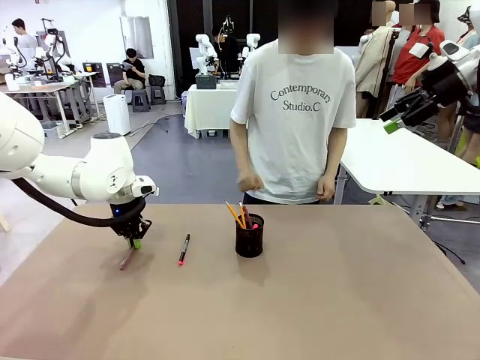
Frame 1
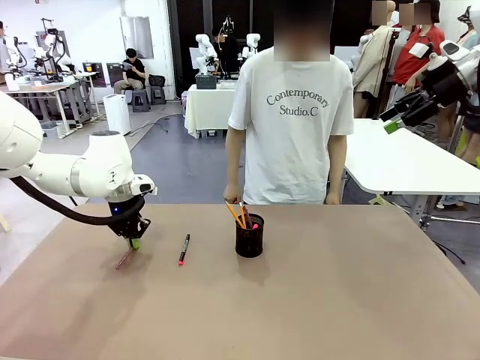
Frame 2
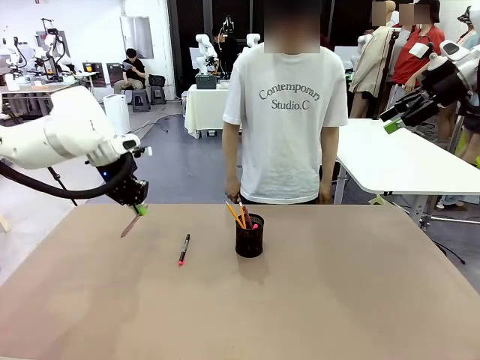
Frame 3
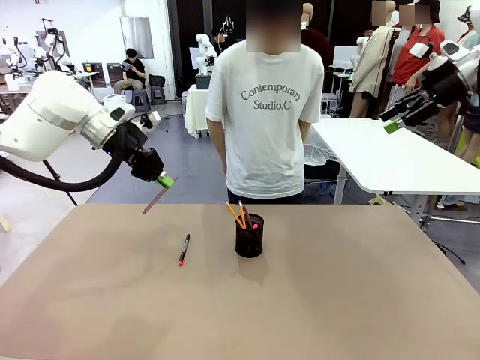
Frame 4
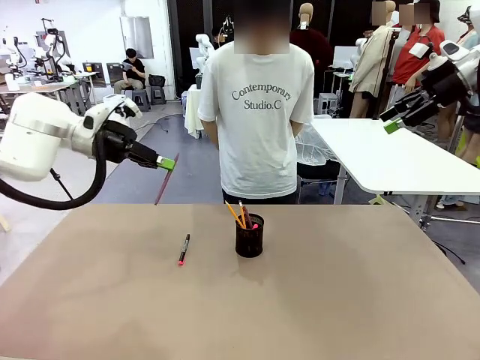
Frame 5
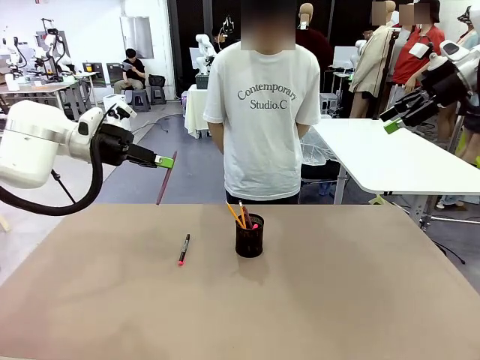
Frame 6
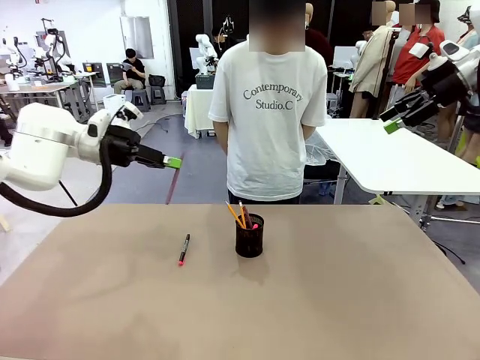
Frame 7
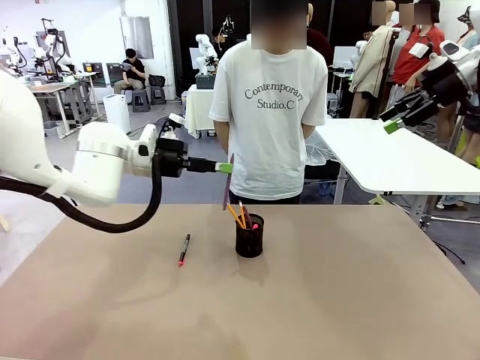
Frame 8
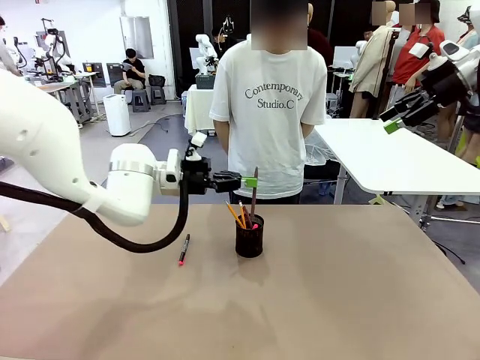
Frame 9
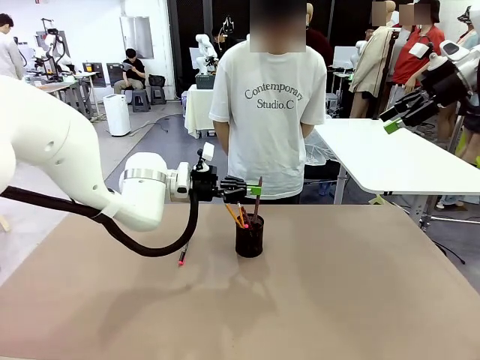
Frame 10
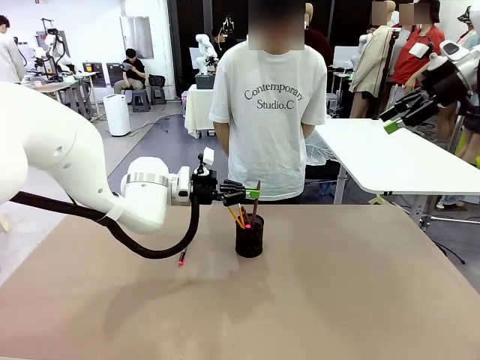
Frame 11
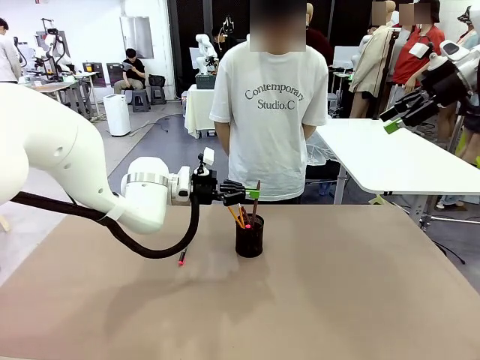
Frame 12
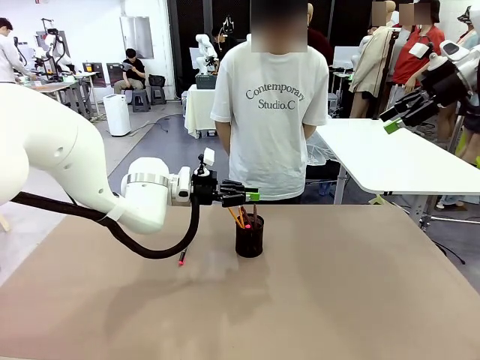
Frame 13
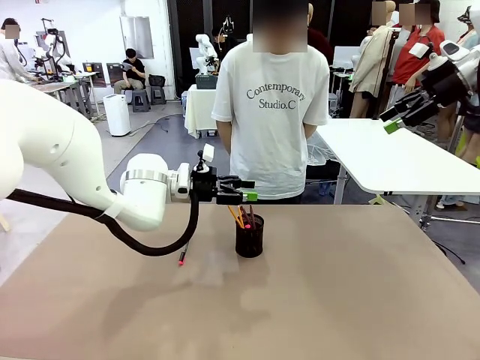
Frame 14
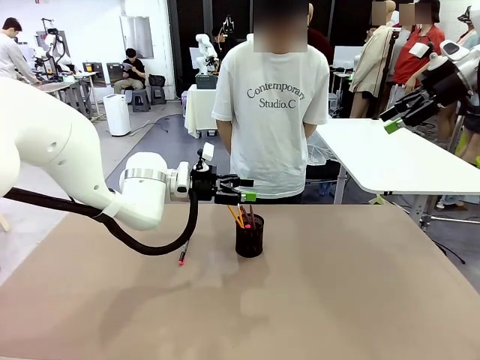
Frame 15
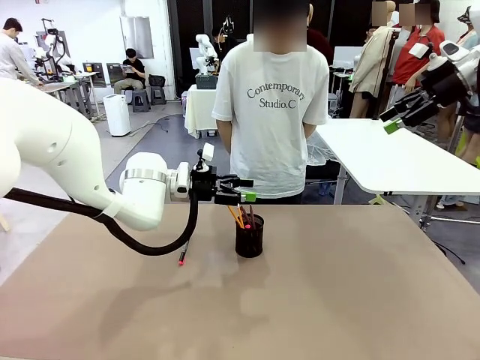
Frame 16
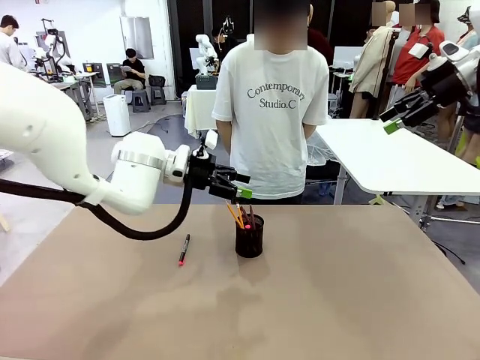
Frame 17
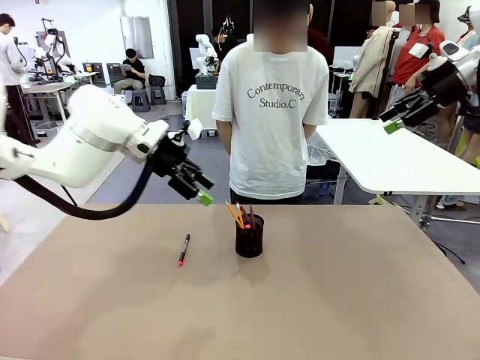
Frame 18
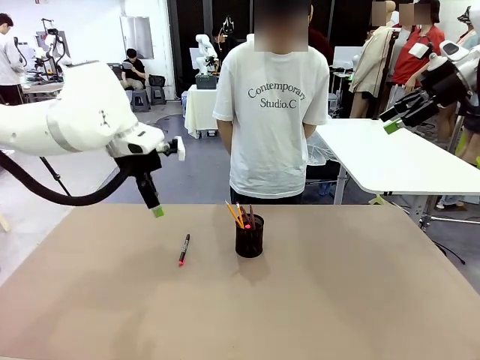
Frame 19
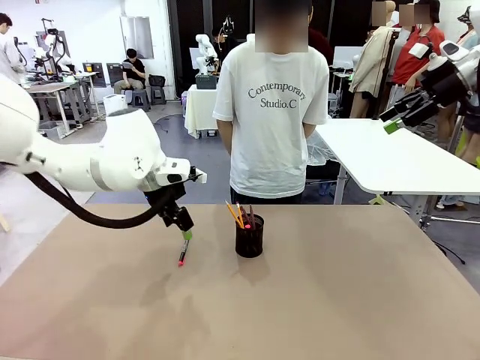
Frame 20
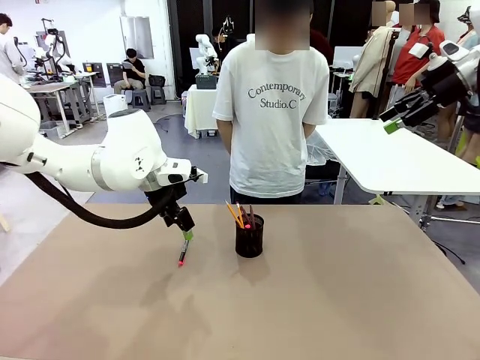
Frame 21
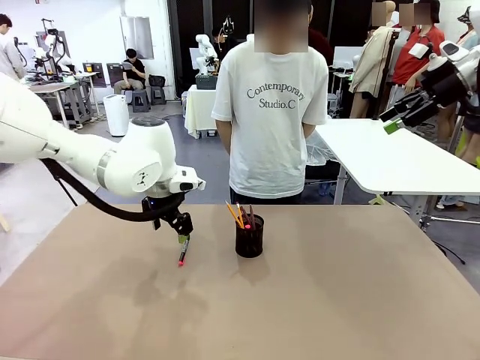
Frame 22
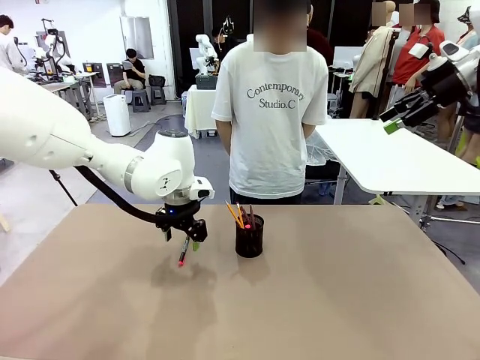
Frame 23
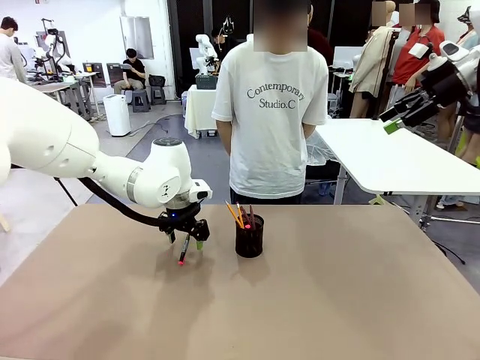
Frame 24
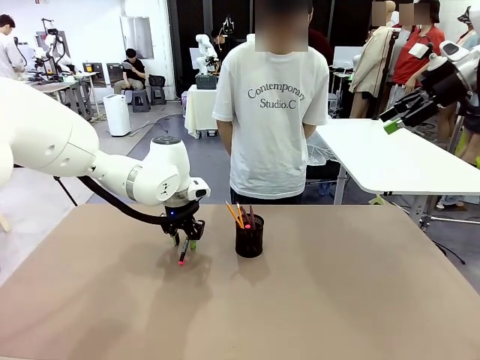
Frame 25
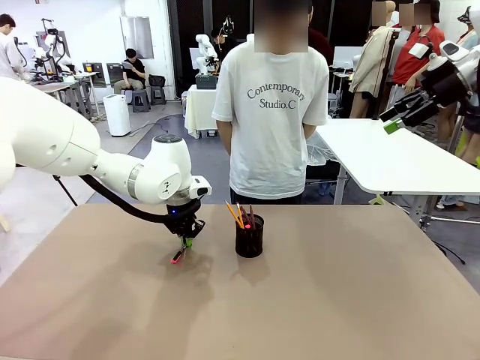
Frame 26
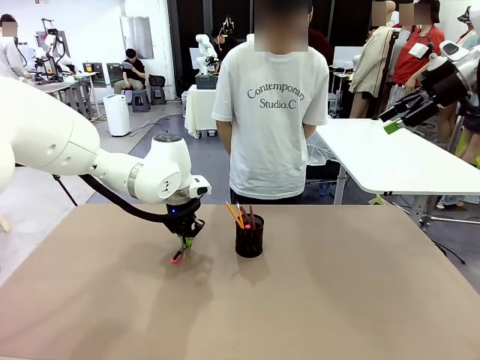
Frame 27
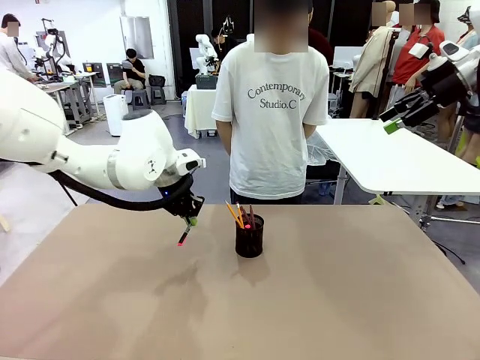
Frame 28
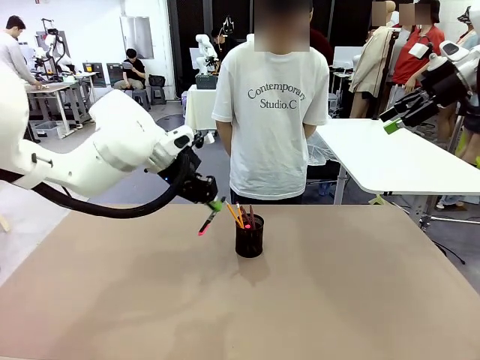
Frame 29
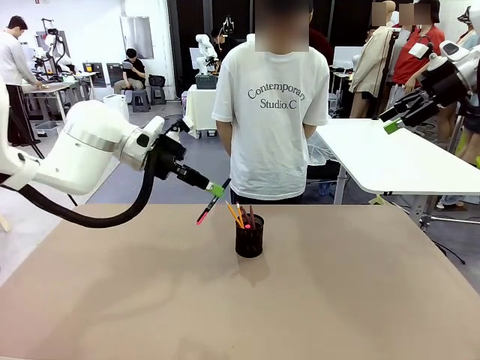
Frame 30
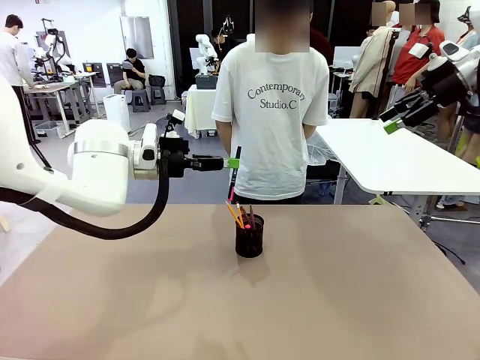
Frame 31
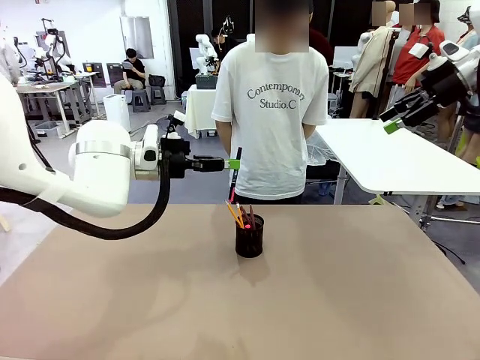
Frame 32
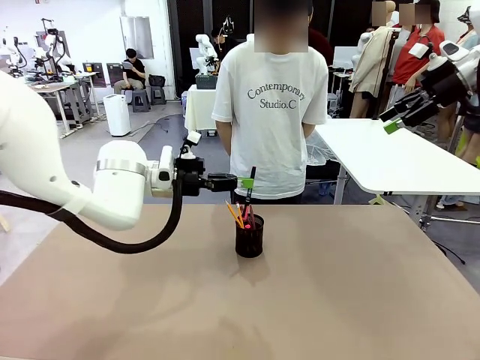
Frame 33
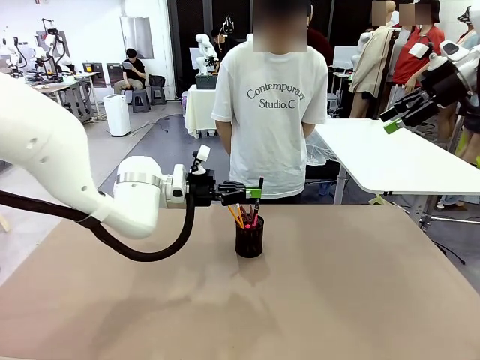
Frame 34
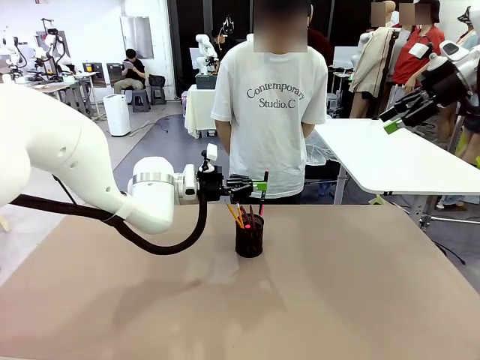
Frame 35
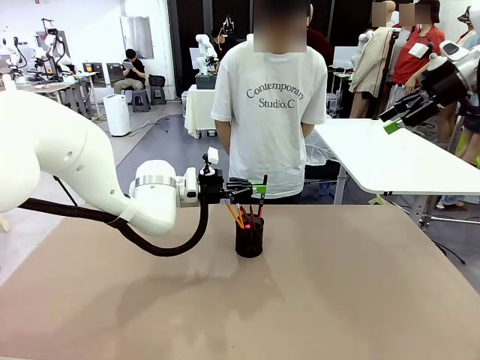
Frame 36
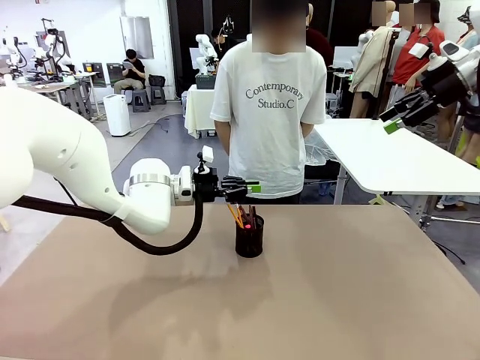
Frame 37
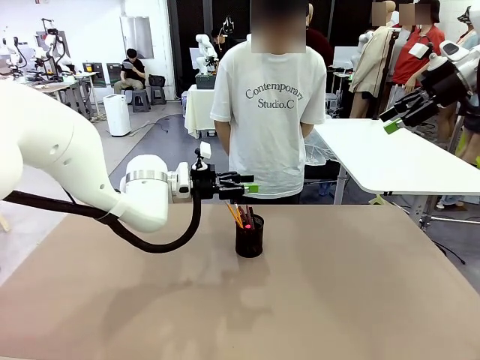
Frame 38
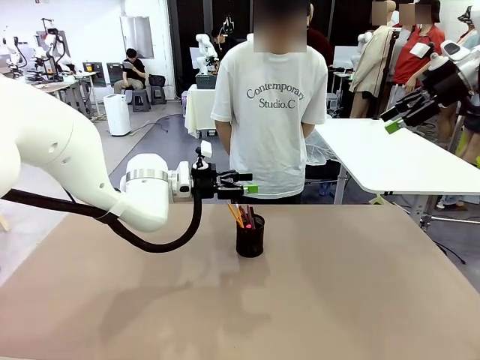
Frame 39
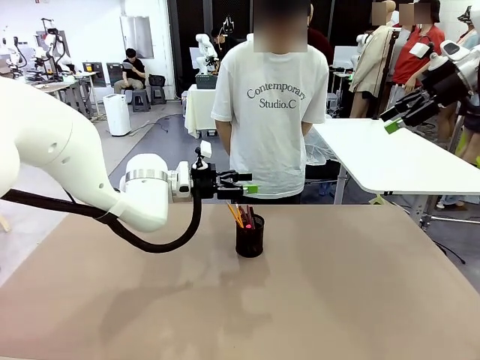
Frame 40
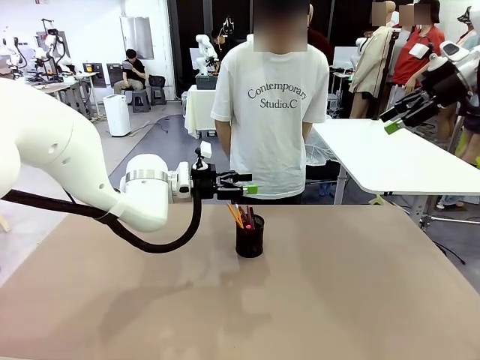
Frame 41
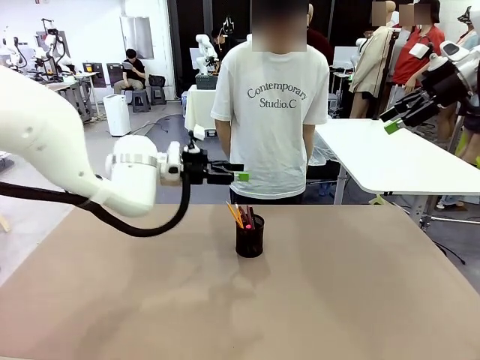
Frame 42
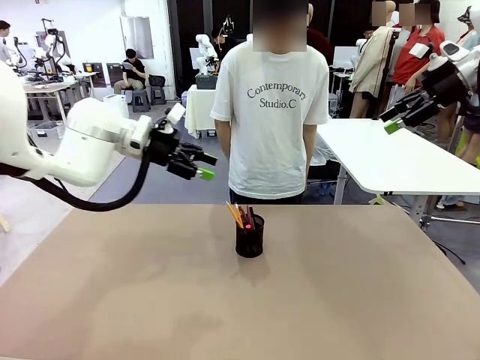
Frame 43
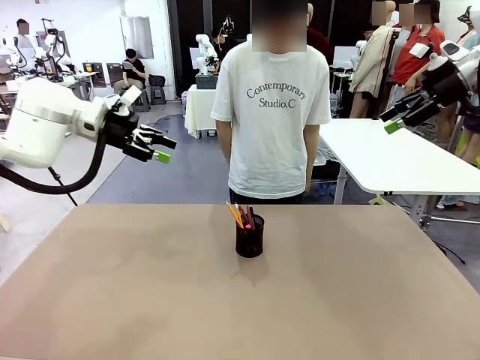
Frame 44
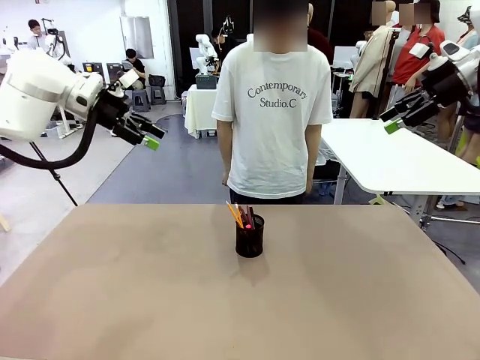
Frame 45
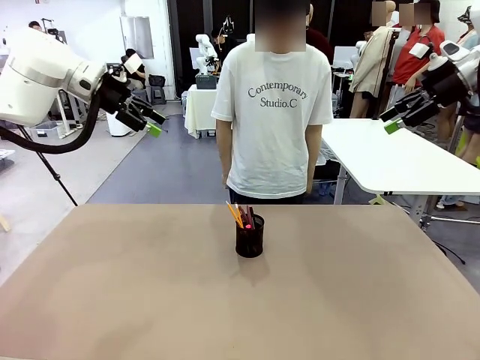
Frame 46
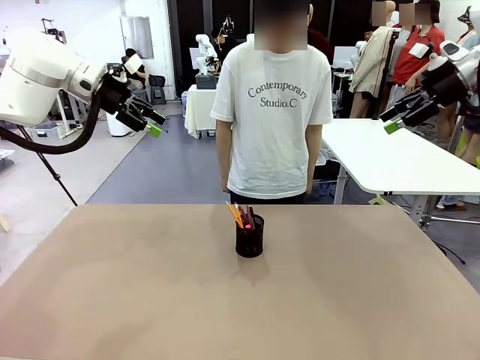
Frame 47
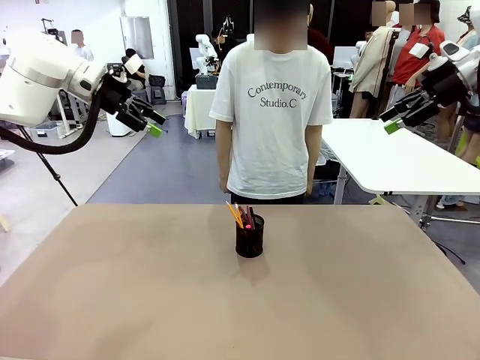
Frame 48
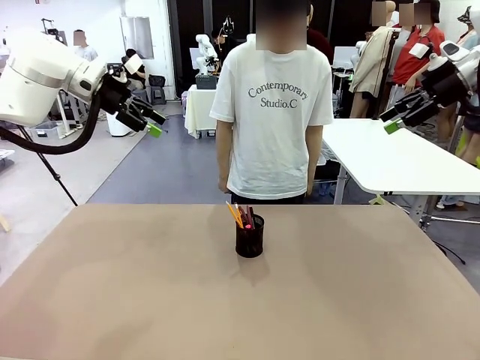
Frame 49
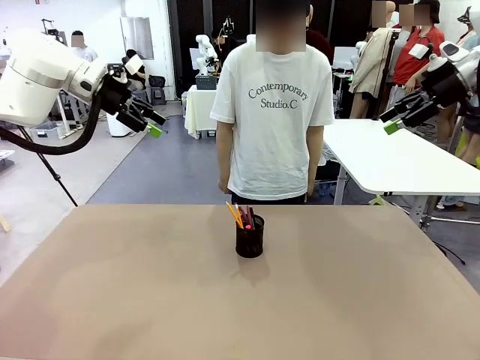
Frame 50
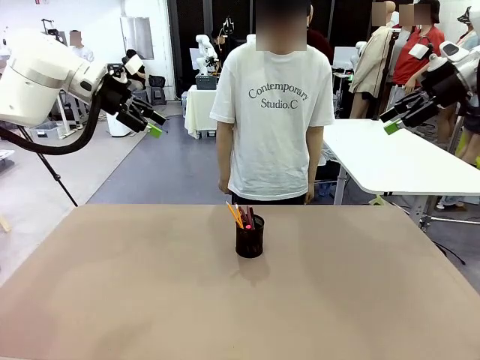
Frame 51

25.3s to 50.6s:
Task: Place the pens into the pen holder.
Robot: Pick up a writing instrument from the table and place it into the Pen holder.
Person: Place all writing instrument into the Pen holder.
